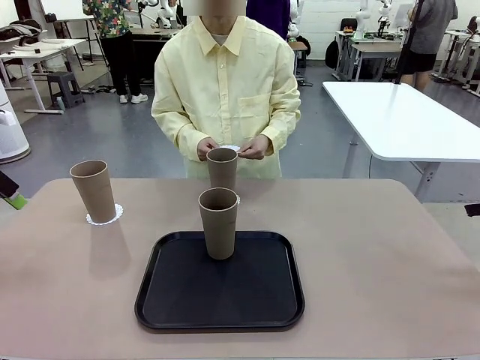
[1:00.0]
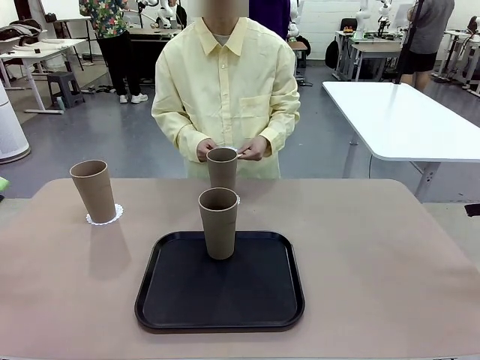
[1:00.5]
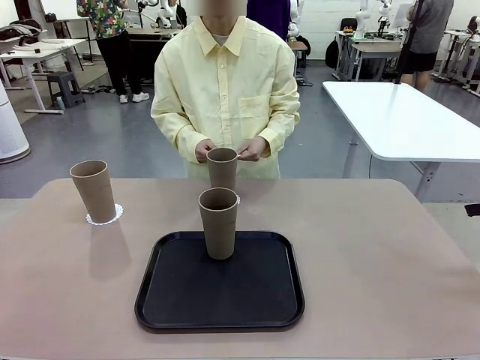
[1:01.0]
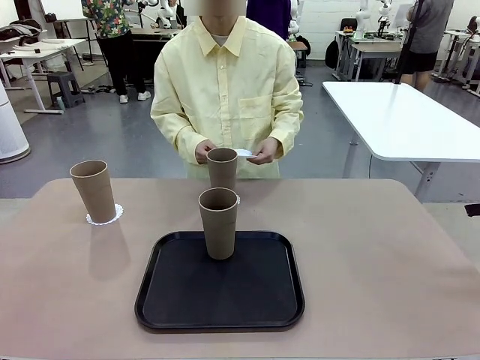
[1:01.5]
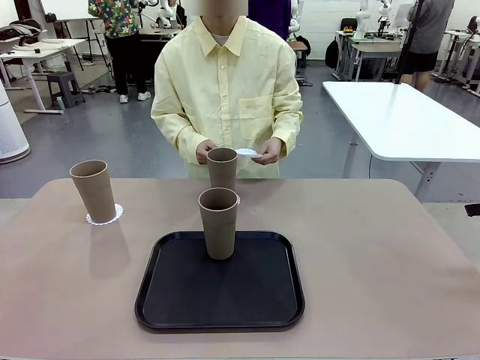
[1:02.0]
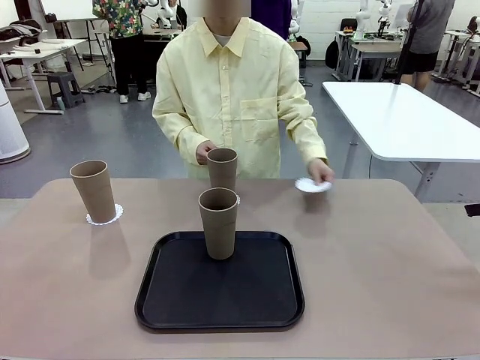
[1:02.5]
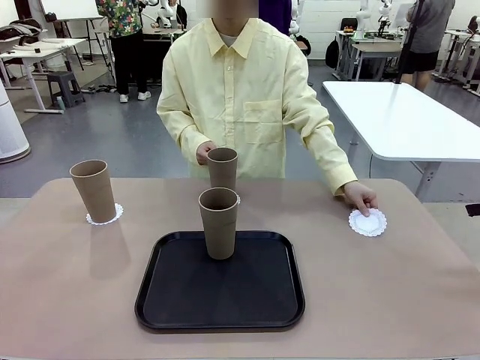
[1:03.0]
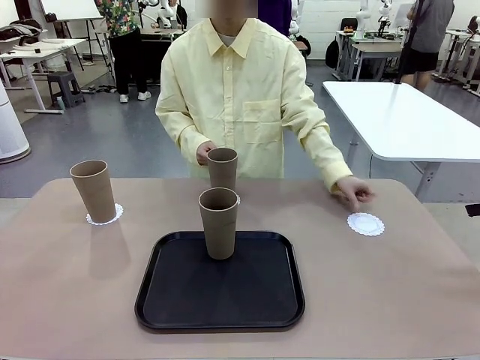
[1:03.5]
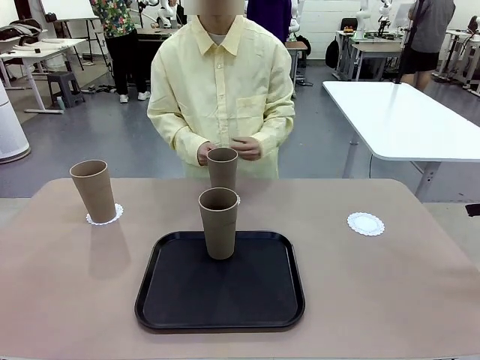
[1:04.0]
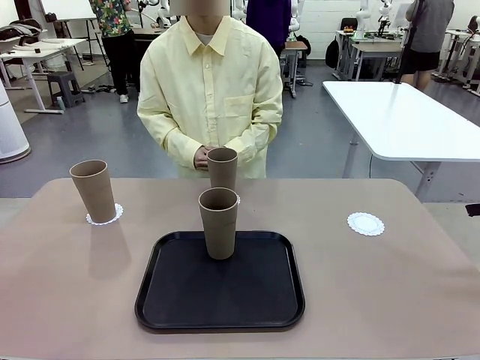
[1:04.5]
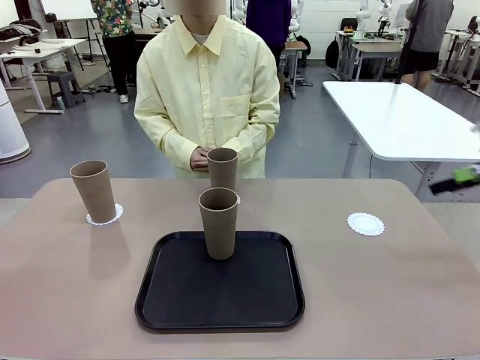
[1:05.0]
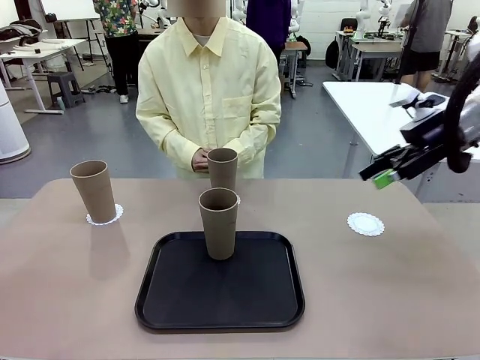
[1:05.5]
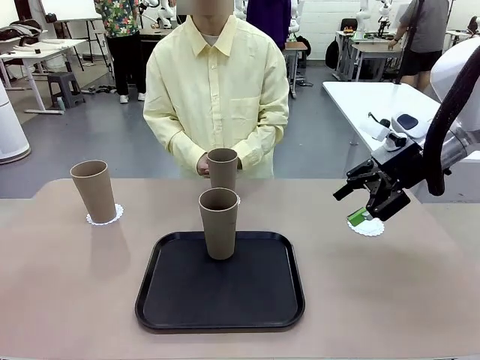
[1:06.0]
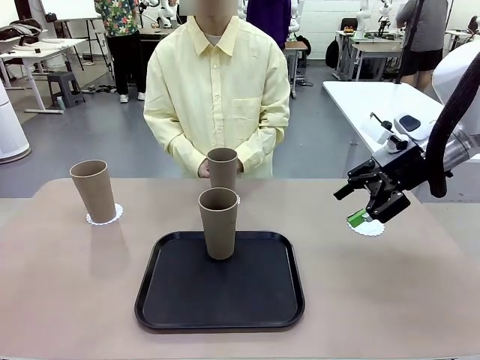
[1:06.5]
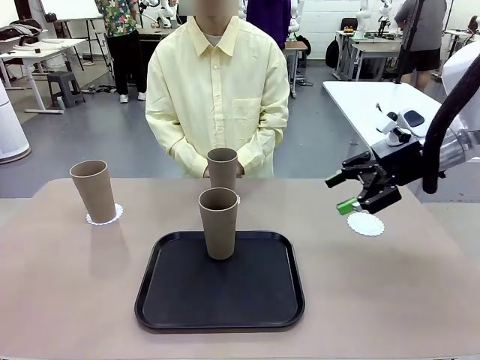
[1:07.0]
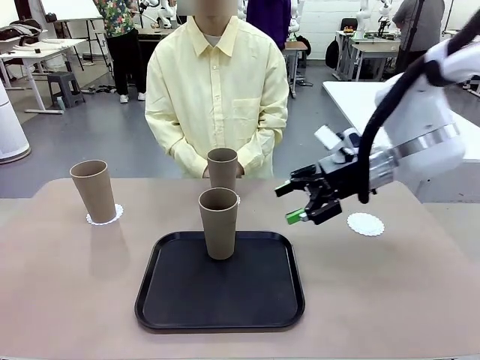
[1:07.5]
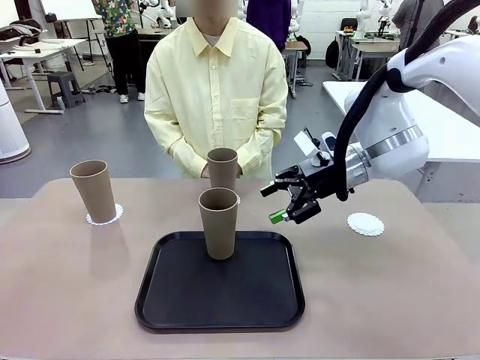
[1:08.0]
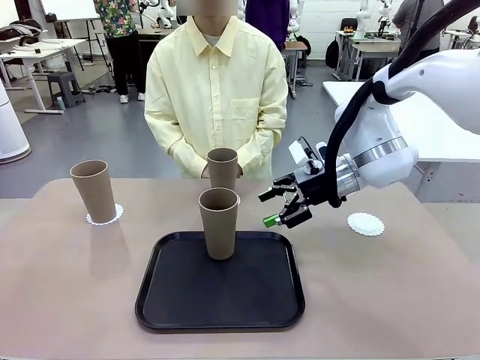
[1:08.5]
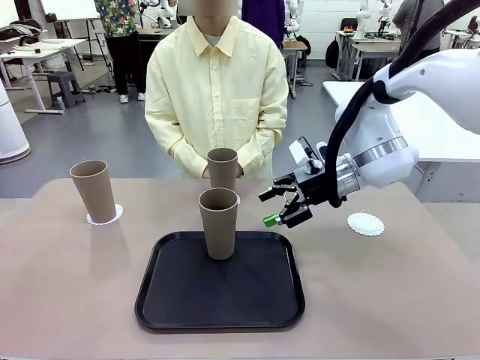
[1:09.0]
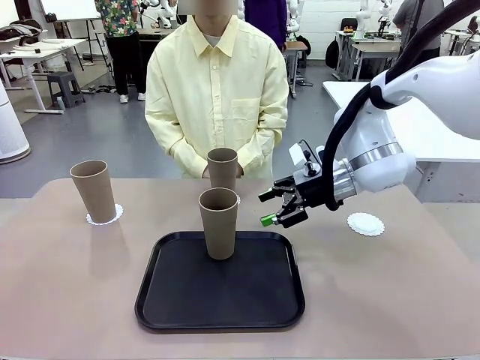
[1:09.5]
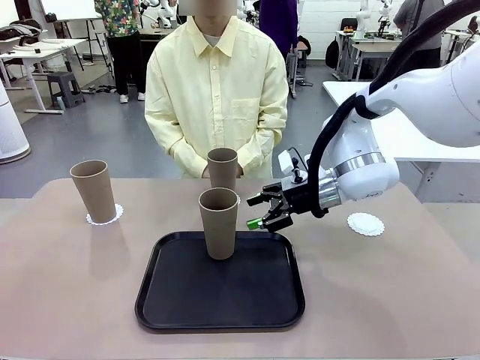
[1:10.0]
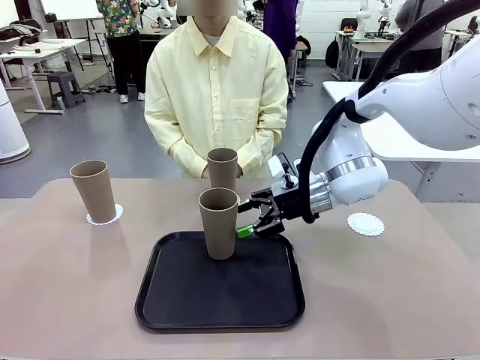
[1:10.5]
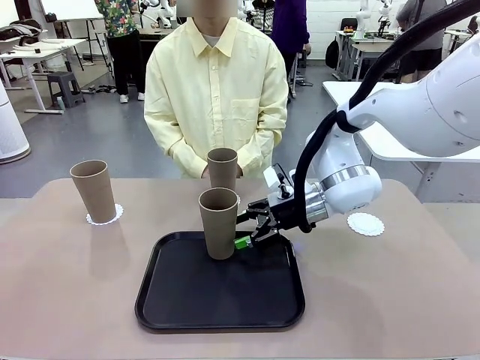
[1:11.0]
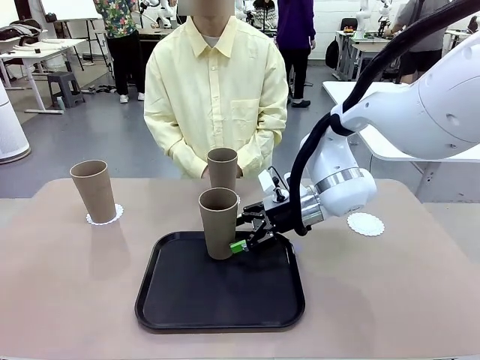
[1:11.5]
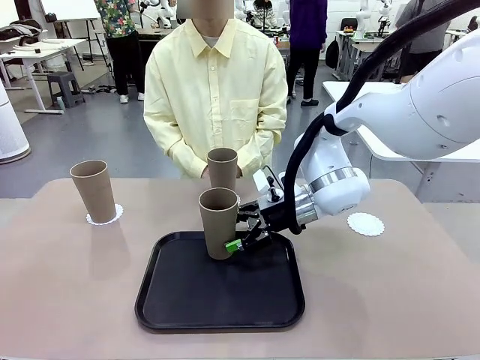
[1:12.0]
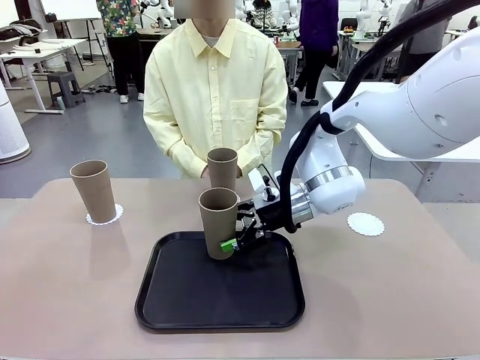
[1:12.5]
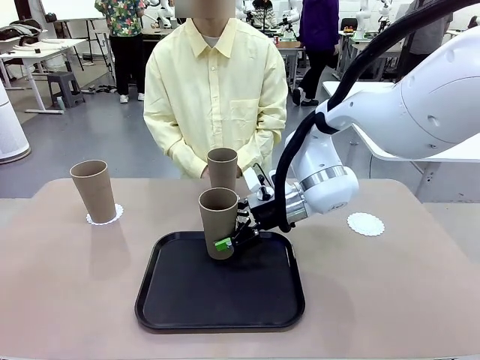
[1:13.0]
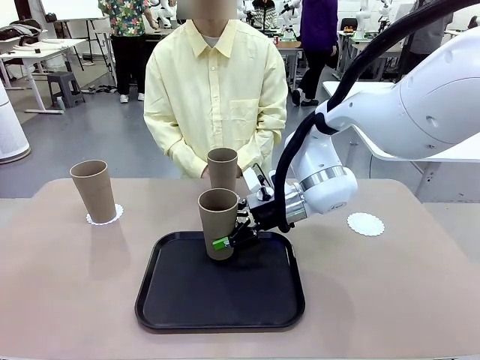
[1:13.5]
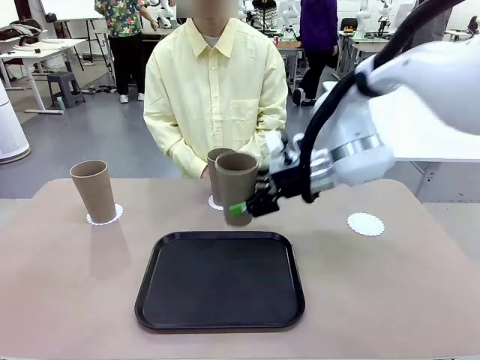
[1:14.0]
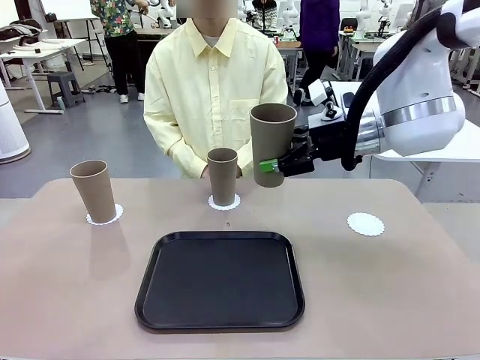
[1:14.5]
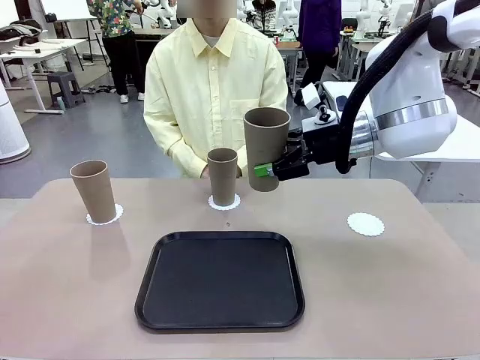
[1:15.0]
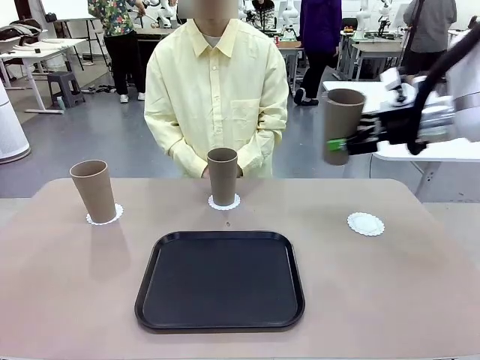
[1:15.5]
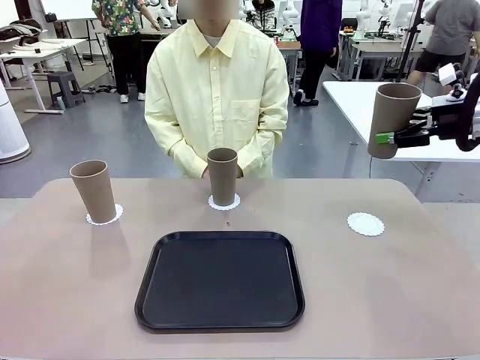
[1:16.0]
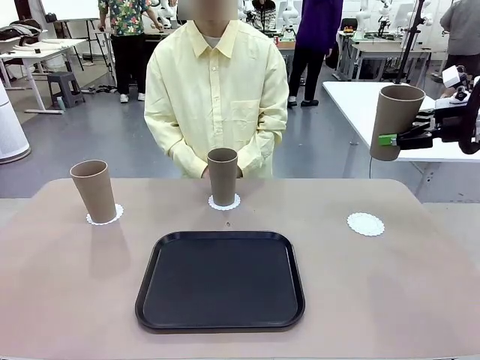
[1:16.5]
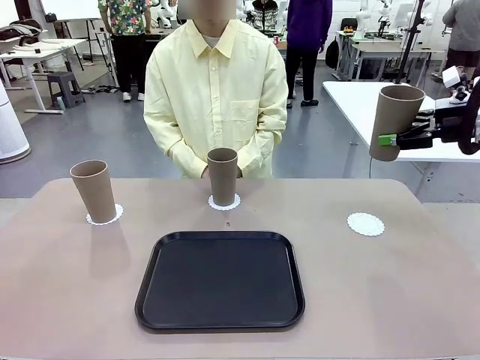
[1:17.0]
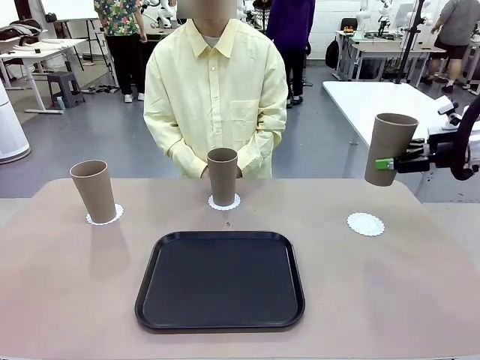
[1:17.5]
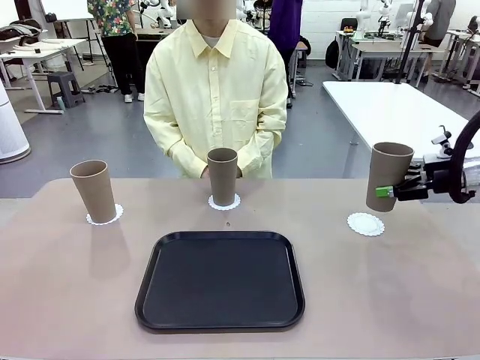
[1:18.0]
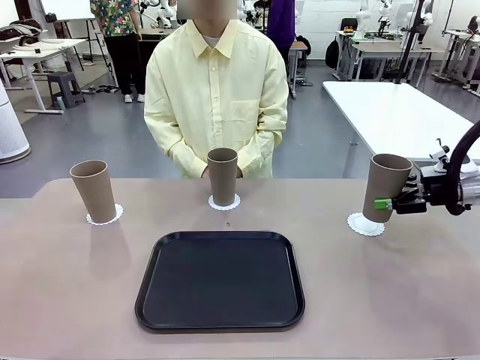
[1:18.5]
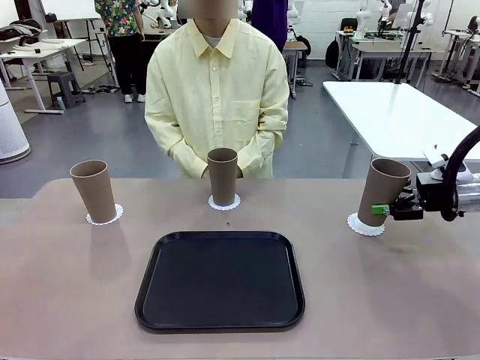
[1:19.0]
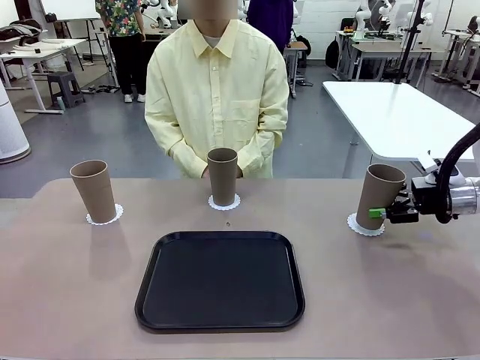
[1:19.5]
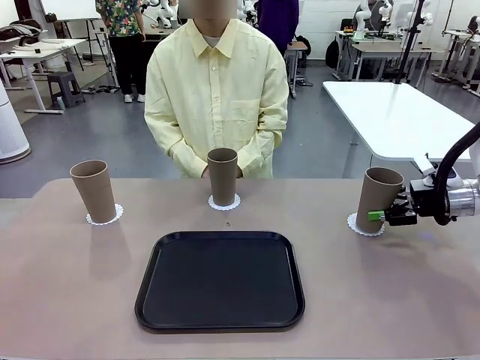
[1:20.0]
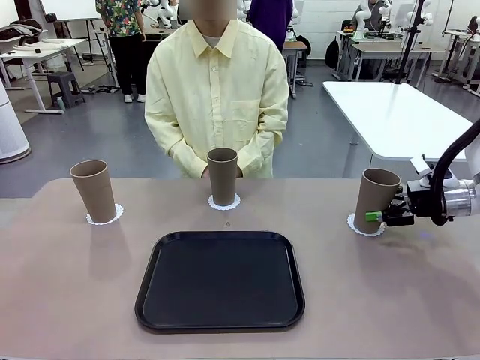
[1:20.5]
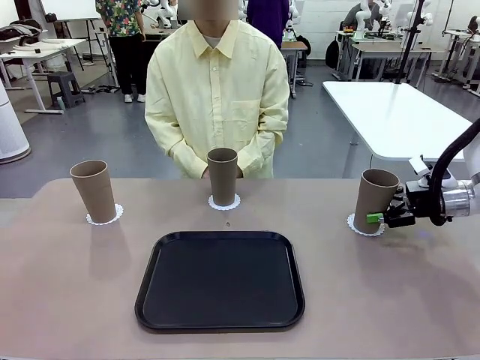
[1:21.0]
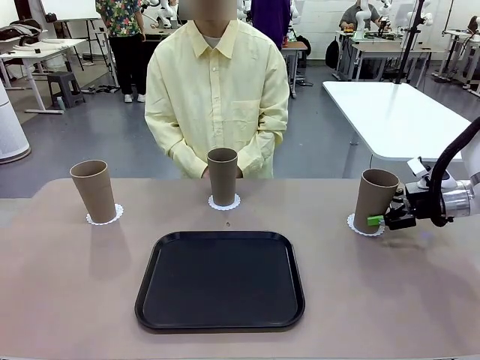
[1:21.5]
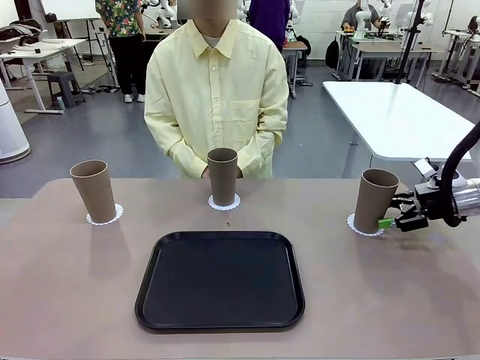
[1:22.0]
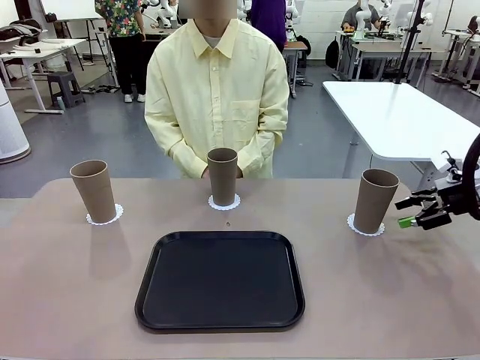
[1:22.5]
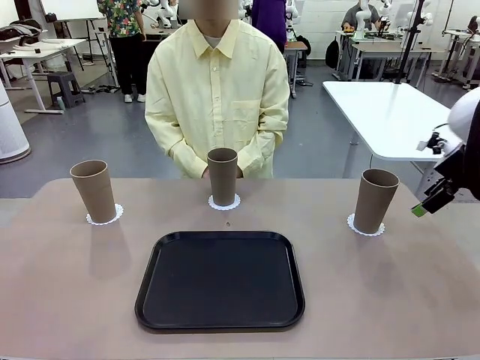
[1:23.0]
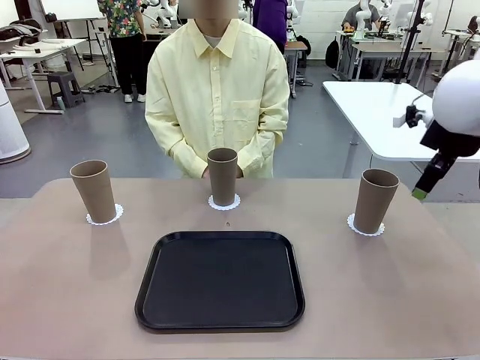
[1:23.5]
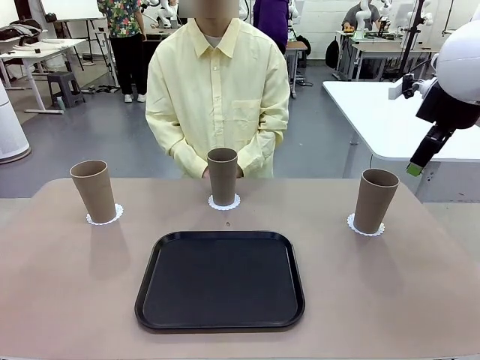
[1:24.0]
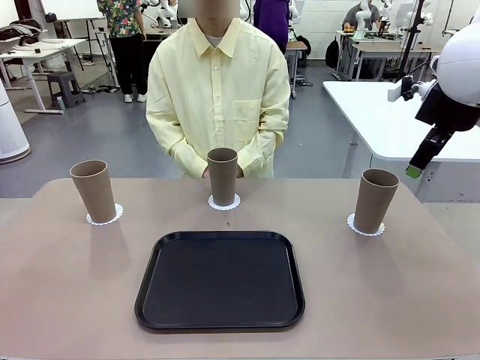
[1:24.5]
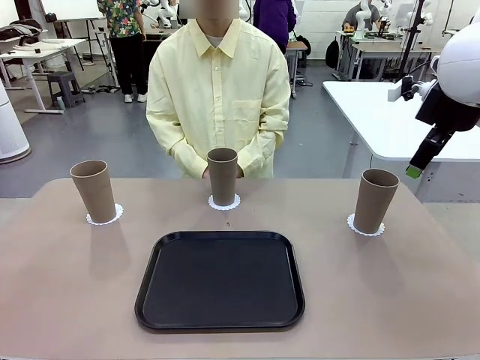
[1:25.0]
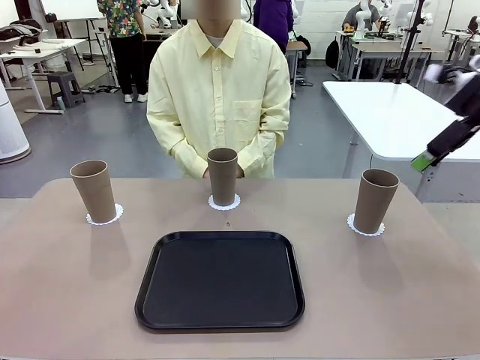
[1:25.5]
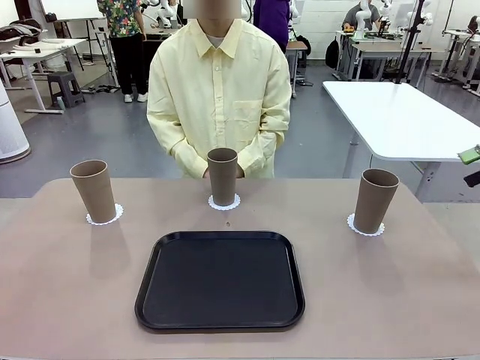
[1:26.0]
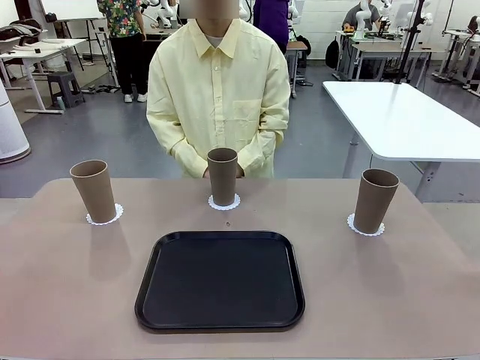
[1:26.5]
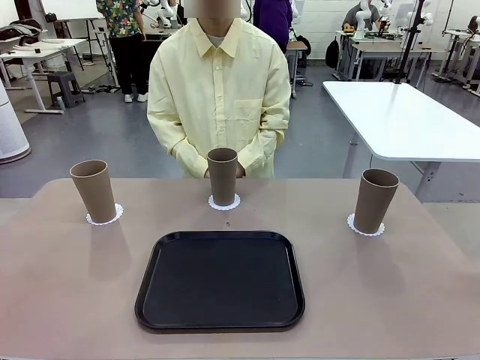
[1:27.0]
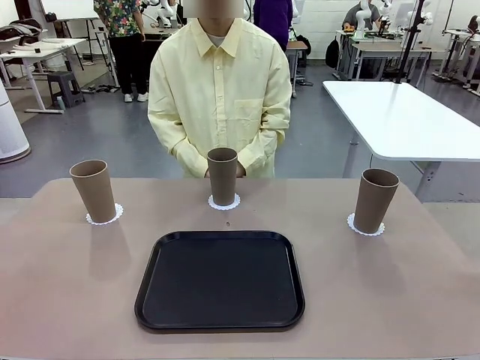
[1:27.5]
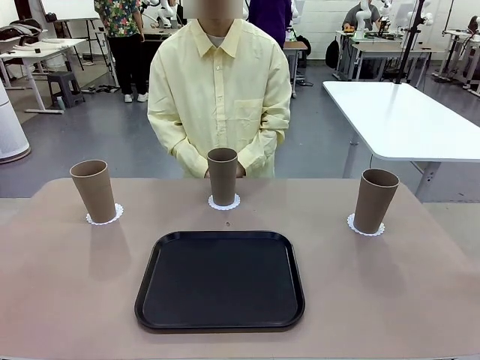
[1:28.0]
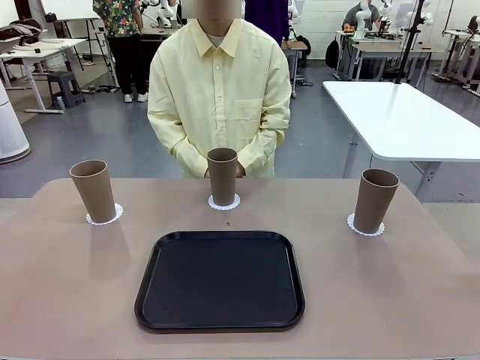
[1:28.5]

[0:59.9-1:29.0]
Task: Place coasters on the table and set cups on them.
Robot: Take one Reusable plastic cup from the Flat Tray and place it on a coaster set by the human.
Person: Place one coaster in the only remaining area.
